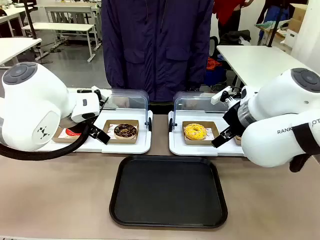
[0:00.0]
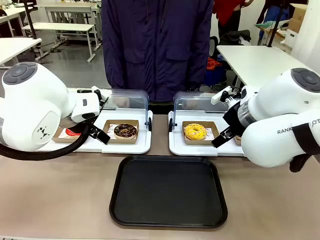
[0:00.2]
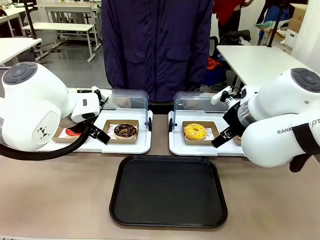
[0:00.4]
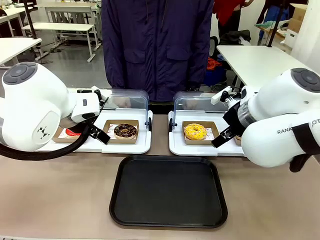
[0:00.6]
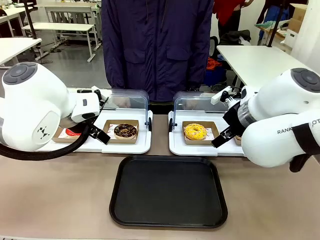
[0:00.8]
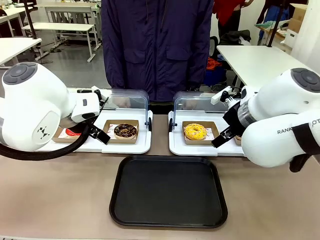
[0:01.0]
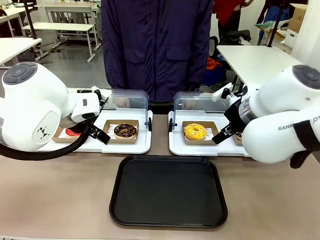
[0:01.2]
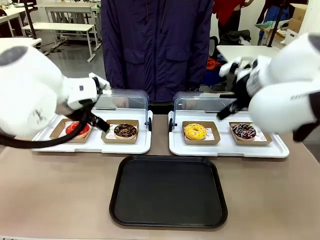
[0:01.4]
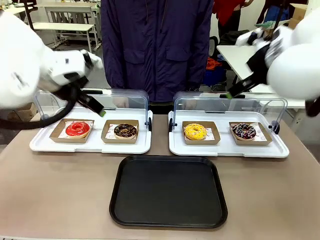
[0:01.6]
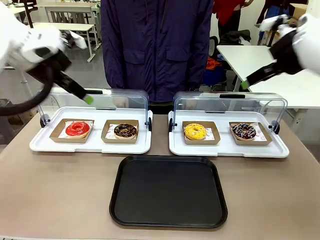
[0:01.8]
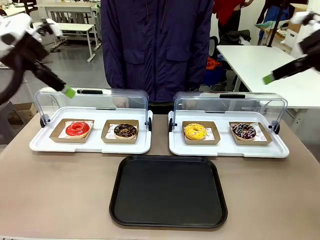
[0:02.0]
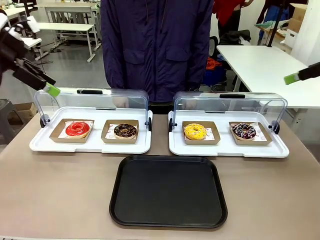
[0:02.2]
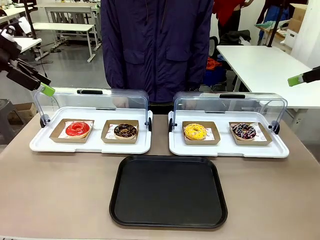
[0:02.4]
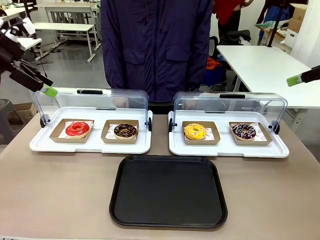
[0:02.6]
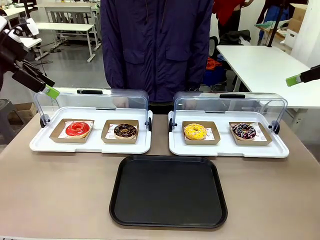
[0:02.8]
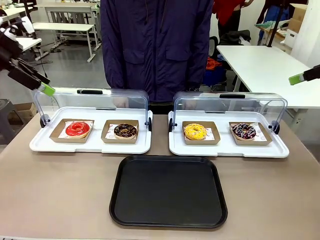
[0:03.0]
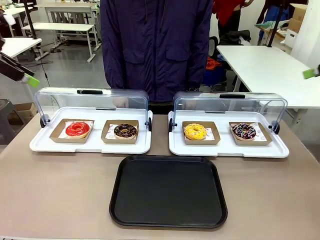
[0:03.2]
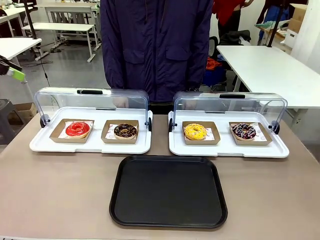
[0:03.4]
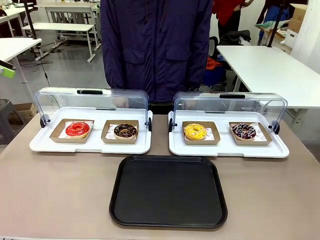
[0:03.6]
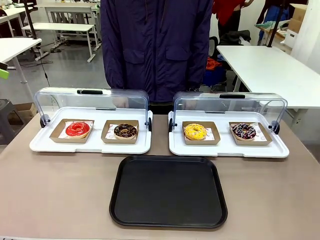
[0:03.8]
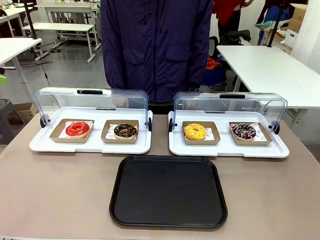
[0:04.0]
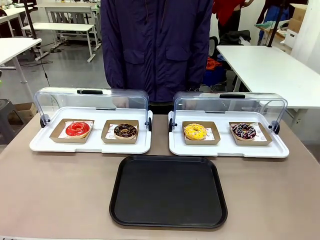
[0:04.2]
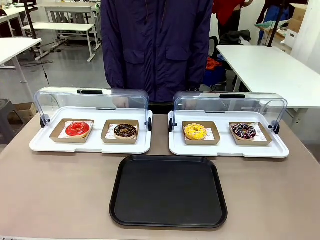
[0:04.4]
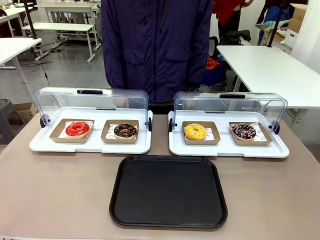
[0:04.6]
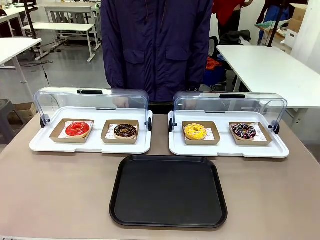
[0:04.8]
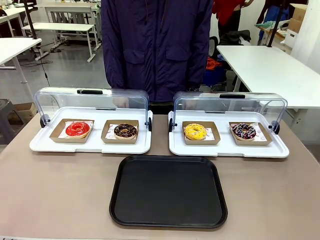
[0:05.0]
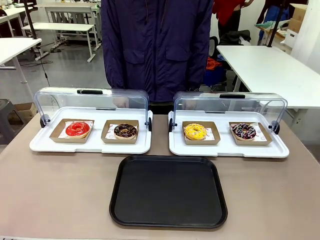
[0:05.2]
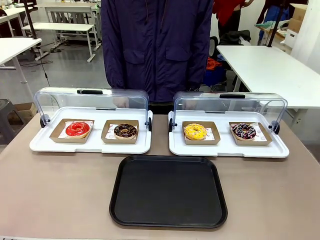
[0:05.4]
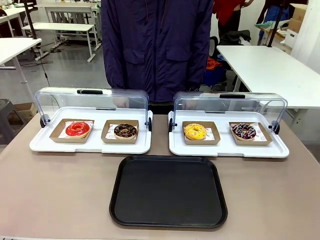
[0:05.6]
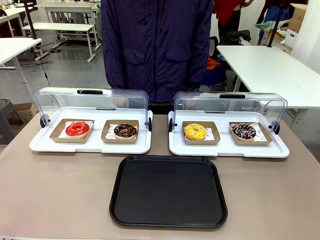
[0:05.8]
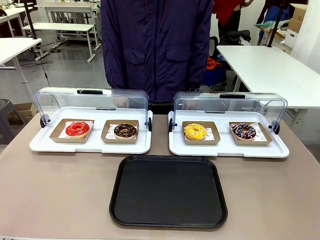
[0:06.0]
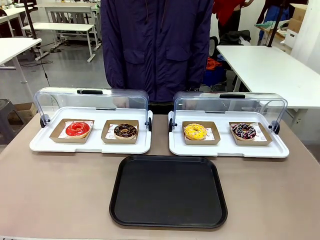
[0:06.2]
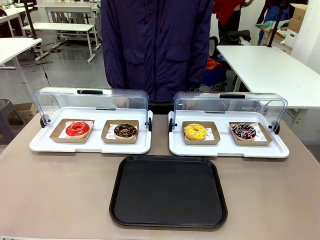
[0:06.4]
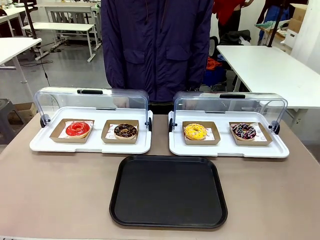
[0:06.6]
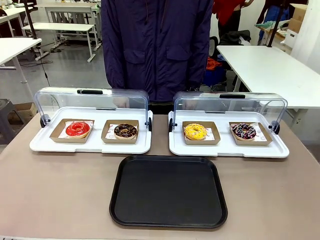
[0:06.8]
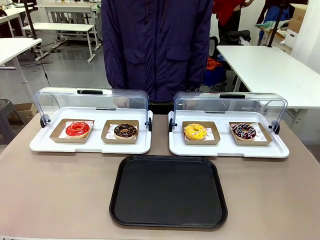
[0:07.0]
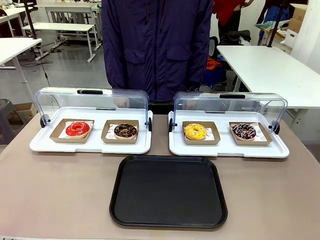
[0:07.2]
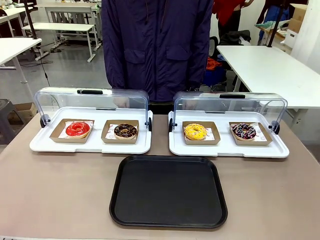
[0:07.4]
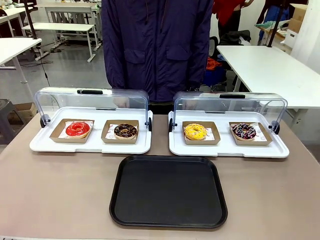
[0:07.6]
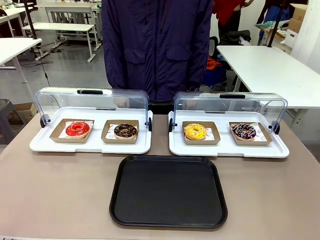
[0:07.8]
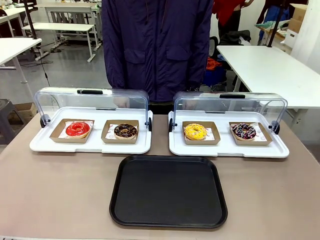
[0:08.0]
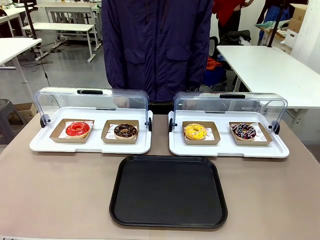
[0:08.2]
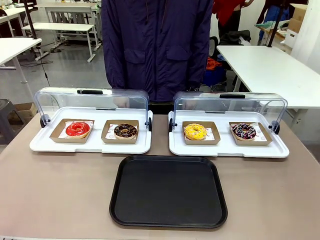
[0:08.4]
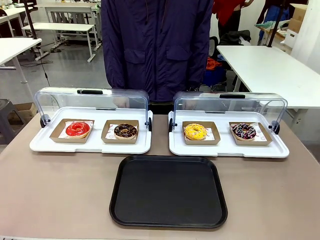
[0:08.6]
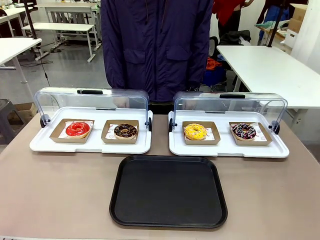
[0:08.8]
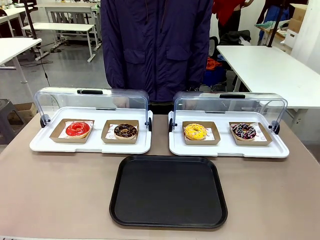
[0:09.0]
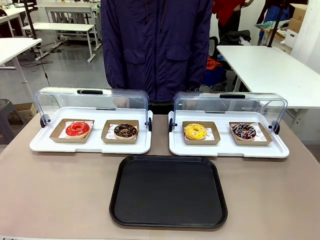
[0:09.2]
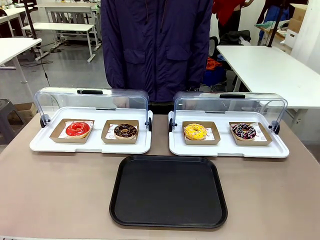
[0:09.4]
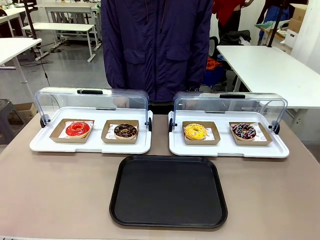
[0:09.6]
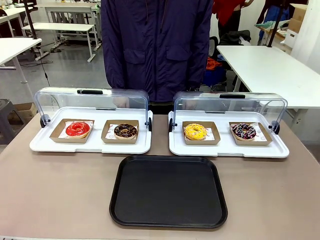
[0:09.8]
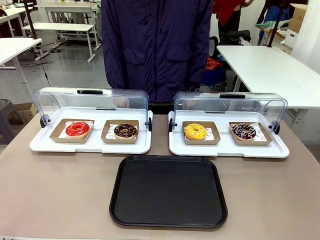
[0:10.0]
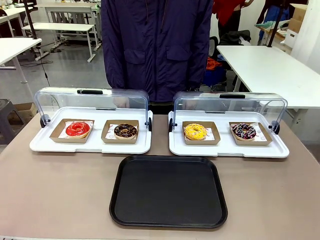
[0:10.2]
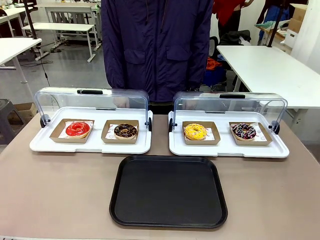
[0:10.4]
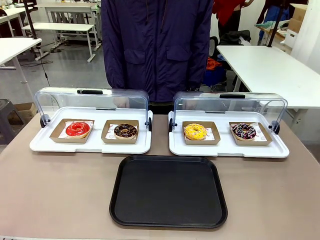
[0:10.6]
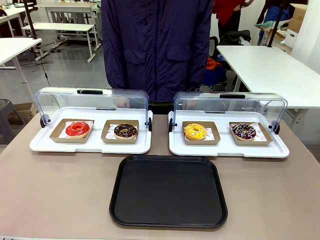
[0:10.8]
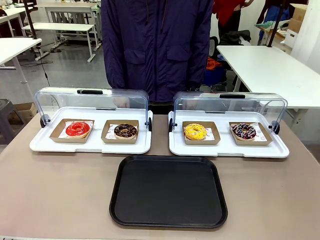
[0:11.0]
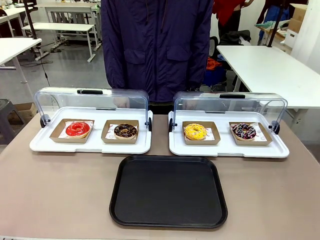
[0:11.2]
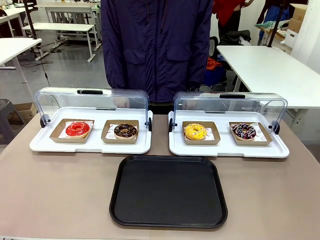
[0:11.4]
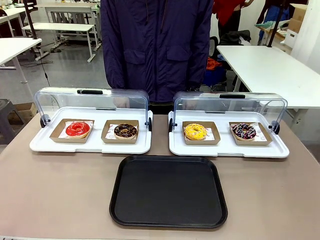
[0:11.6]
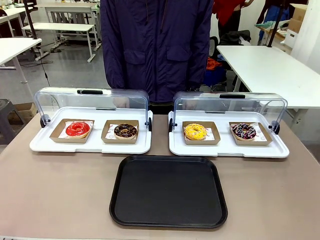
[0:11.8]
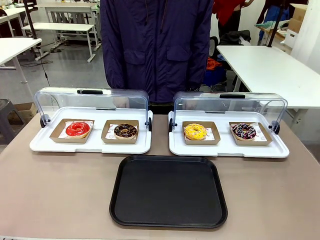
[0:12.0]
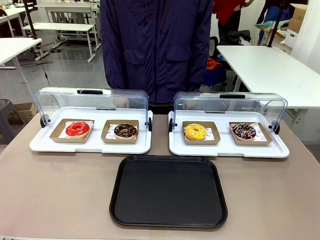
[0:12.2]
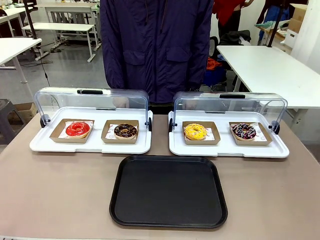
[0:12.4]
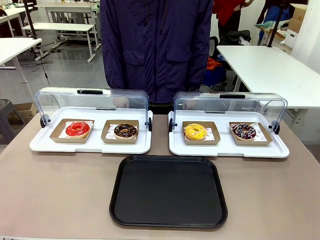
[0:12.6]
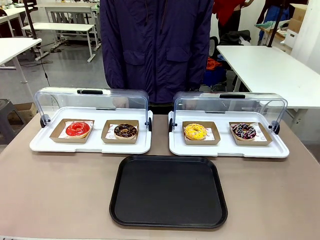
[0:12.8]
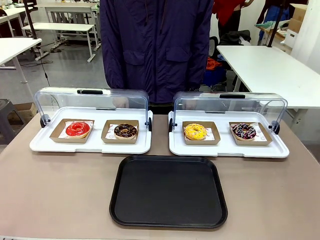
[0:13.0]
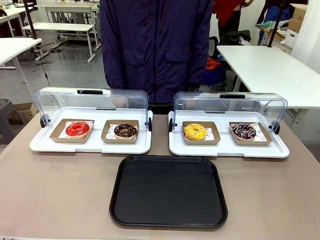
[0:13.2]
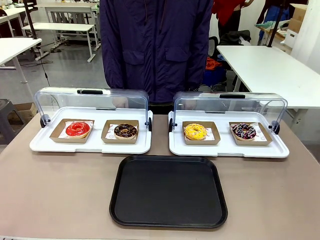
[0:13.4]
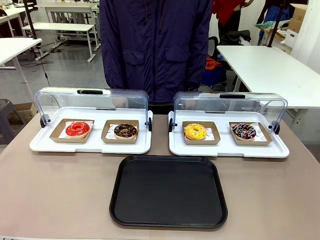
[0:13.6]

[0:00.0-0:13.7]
Task: Move the first donut from the left to the tray.
Robot: Pick up the Paper togo box containing the Donut indicated by the person and place it on the Handle tray.

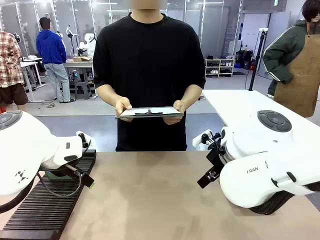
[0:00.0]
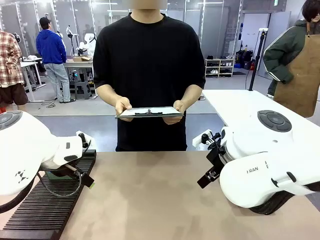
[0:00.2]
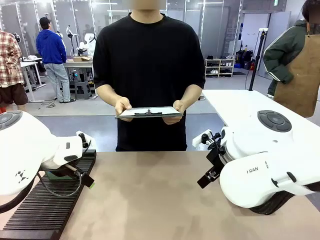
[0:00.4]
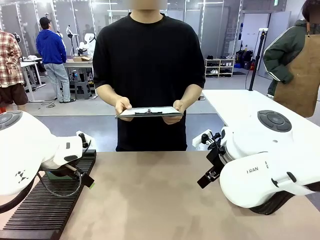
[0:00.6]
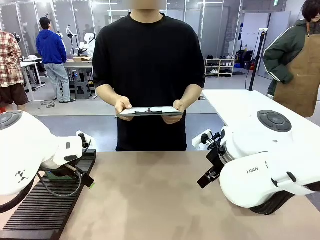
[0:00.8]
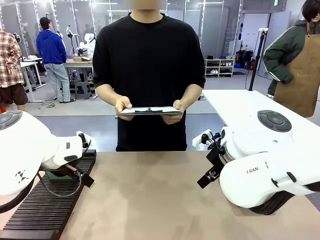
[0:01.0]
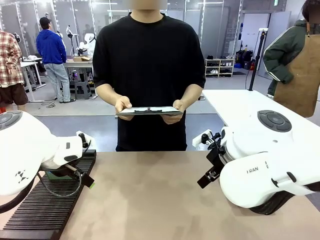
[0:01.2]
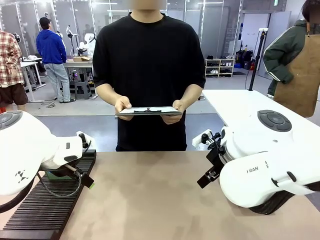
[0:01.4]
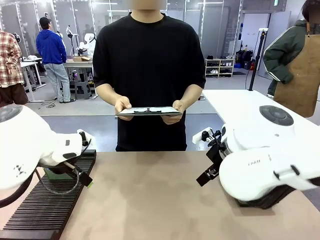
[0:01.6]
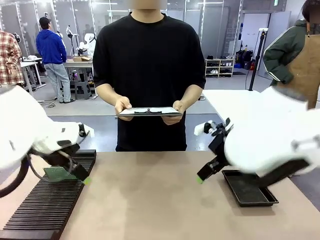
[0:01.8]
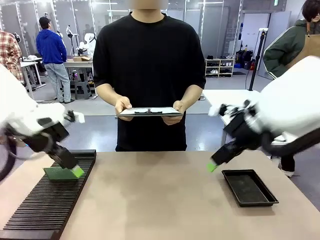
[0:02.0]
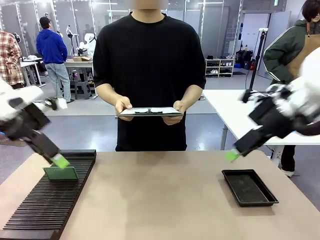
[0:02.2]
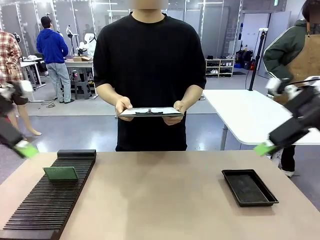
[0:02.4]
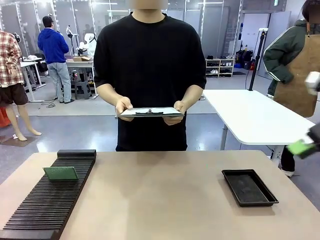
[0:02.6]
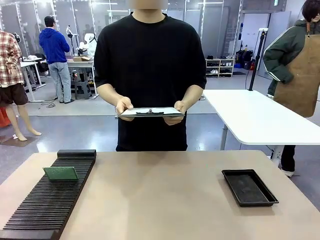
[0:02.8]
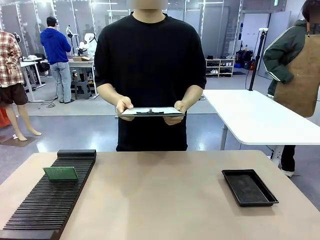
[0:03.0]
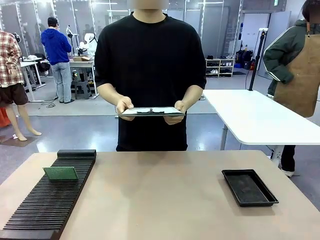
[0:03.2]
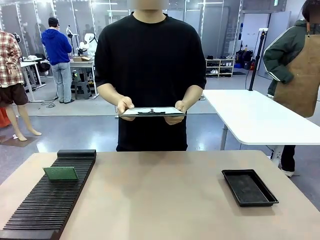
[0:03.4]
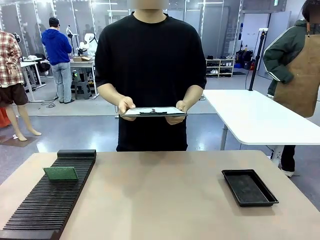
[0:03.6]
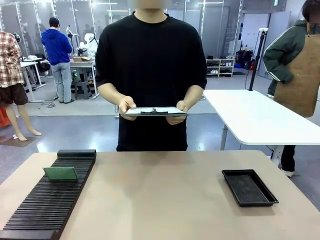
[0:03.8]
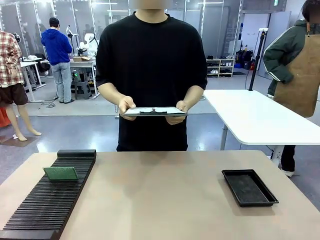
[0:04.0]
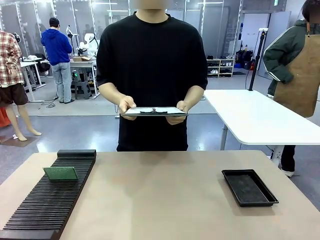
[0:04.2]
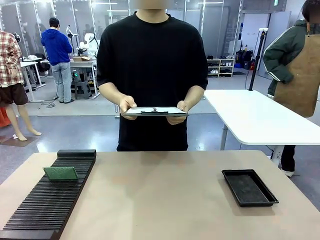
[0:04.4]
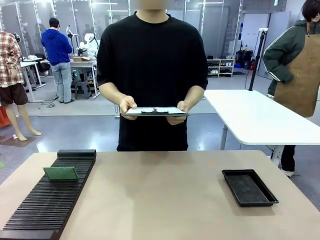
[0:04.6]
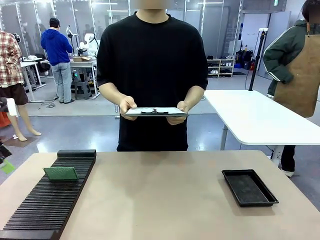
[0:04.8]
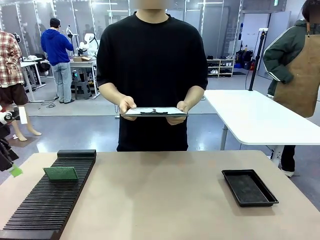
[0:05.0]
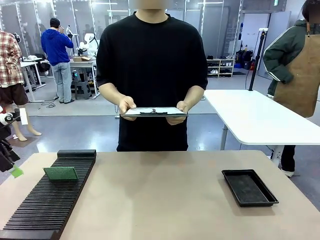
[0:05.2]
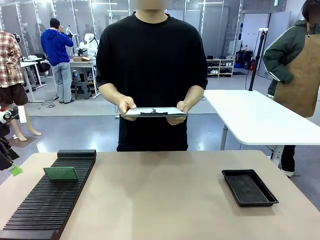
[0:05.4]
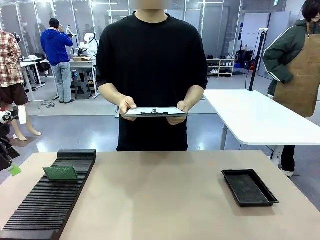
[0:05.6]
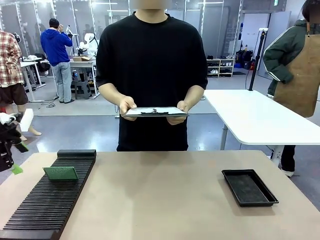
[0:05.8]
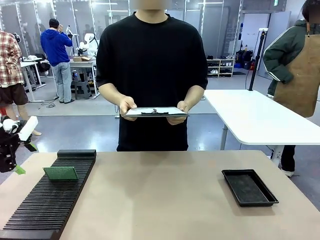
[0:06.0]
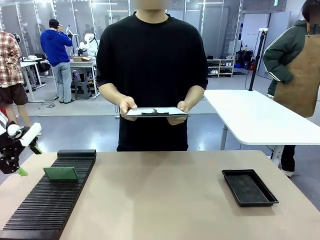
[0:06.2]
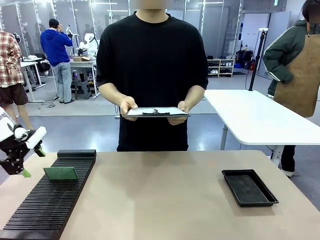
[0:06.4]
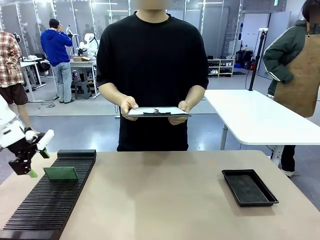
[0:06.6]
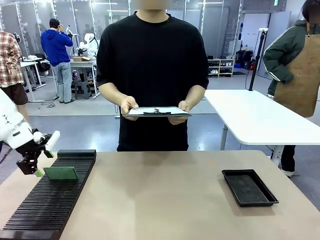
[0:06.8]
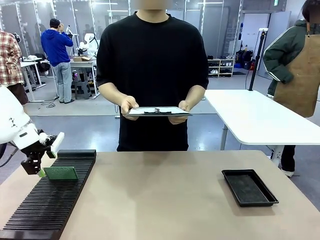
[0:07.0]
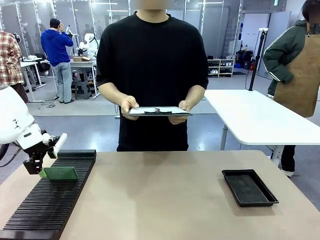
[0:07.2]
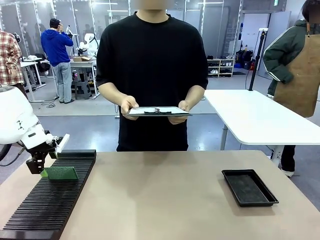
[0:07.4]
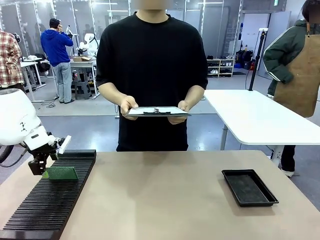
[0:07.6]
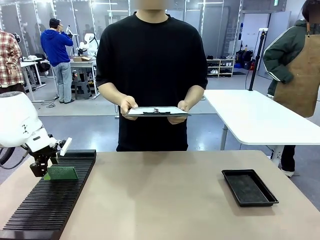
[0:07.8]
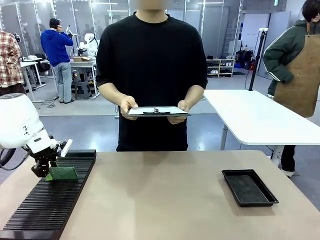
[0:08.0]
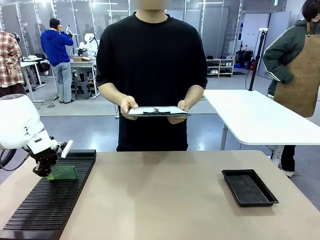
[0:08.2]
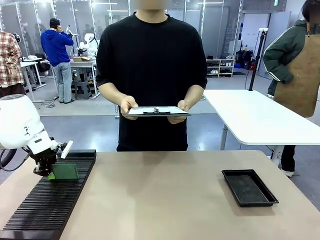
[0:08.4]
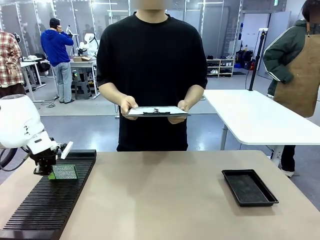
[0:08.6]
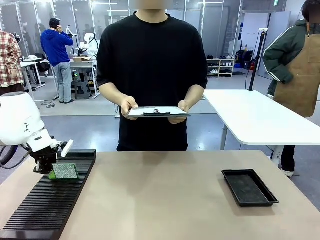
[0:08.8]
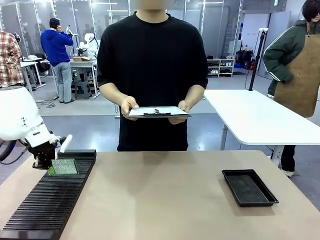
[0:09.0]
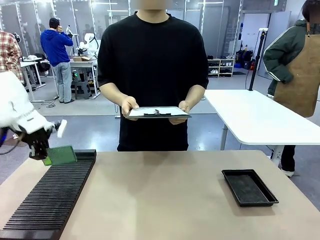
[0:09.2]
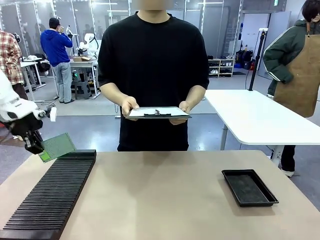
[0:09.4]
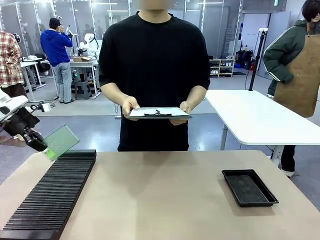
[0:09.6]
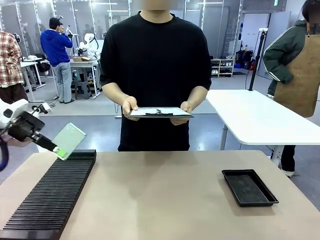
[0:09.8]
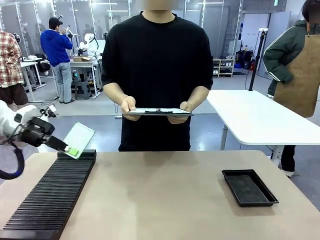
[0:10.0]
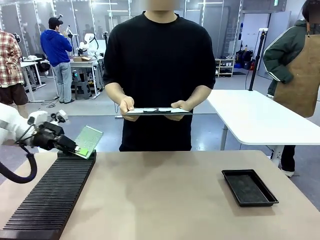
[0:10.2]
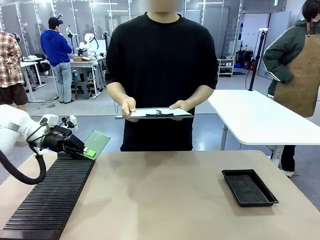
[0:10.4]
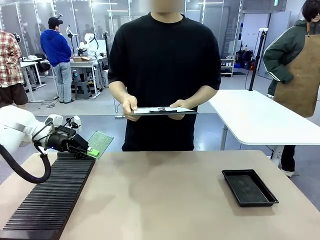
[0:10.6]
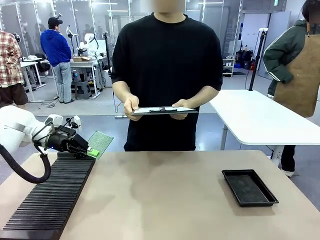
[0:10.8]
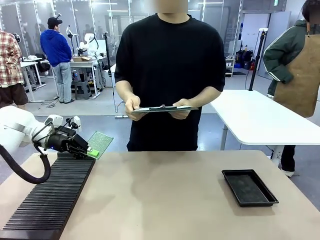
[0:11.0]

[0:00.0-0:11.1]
Task: Inspect the PCB.
Robot: Pick up the Blank PCB and present it to the human.
Person: Pick up the PCB presented by the robot.
